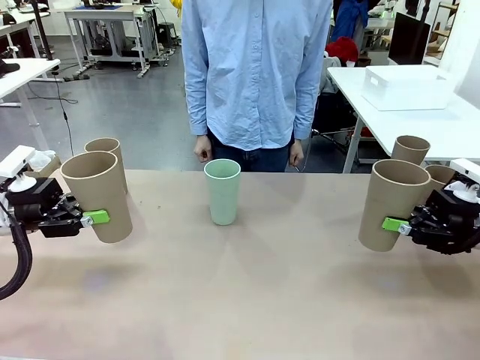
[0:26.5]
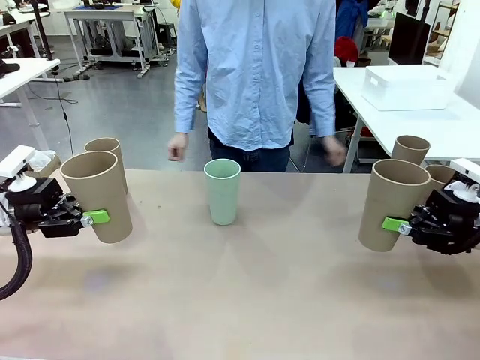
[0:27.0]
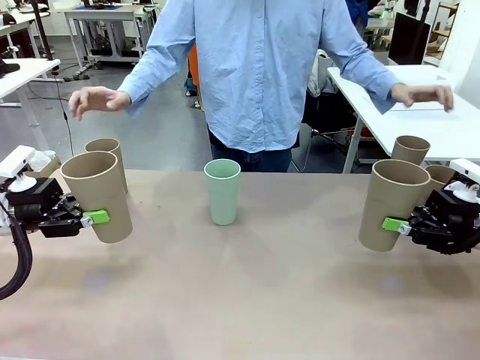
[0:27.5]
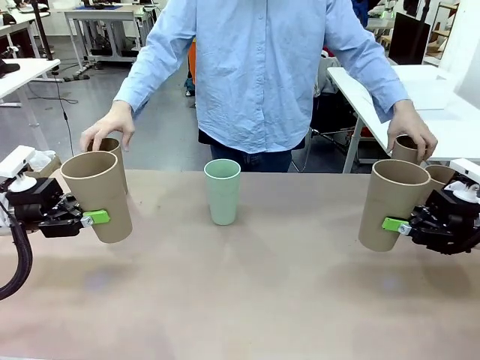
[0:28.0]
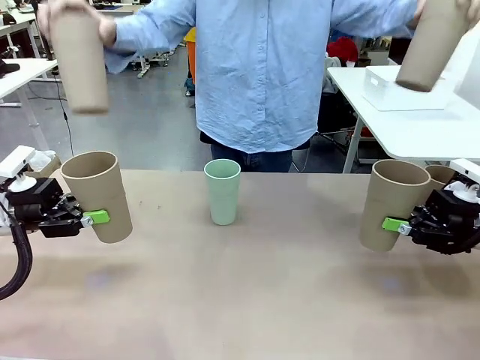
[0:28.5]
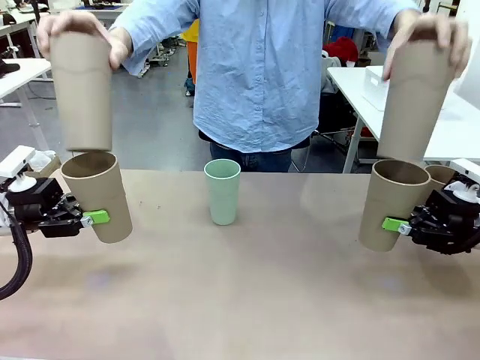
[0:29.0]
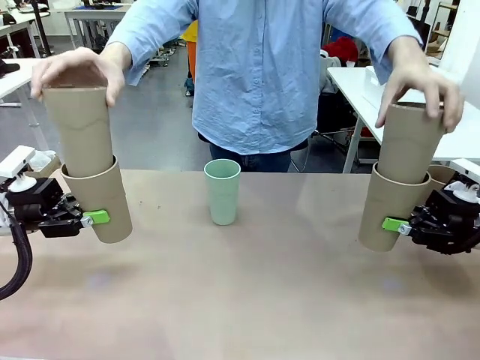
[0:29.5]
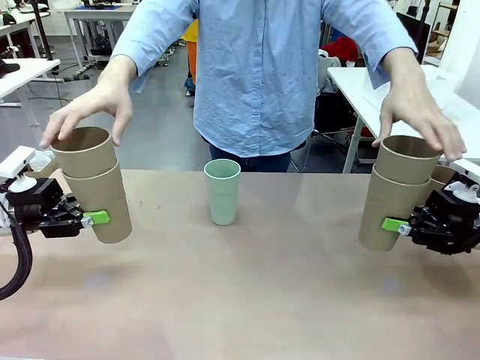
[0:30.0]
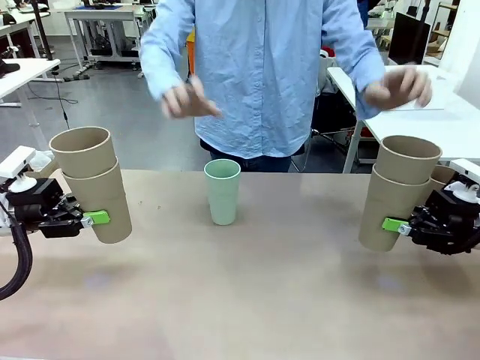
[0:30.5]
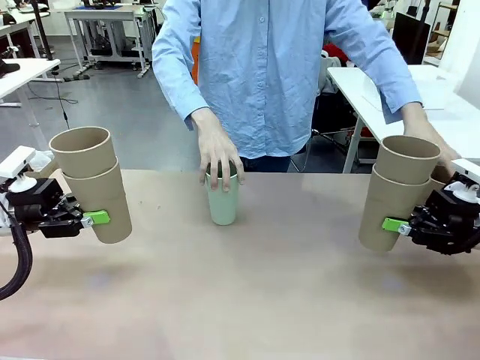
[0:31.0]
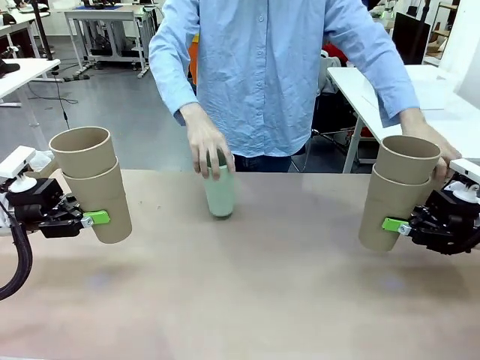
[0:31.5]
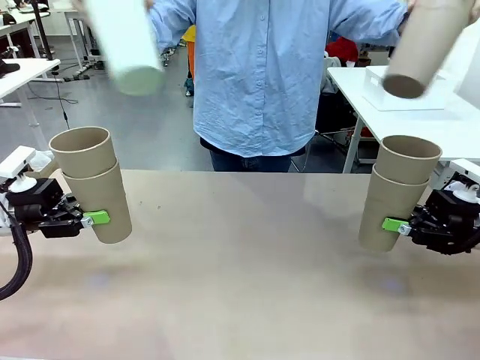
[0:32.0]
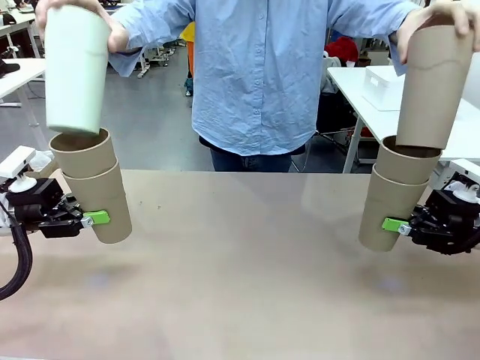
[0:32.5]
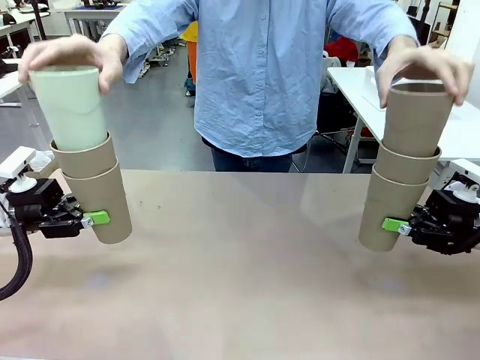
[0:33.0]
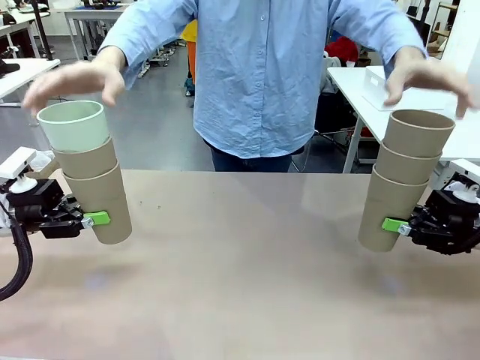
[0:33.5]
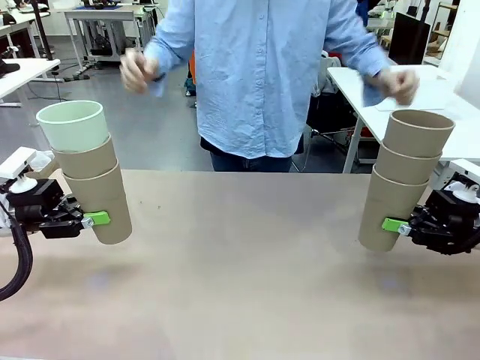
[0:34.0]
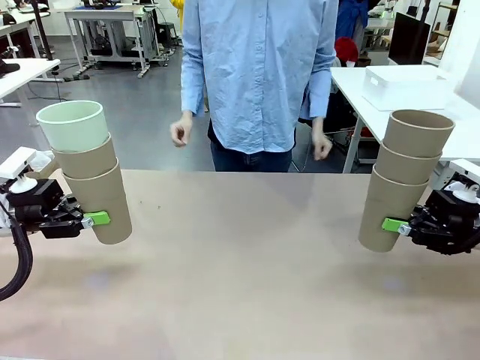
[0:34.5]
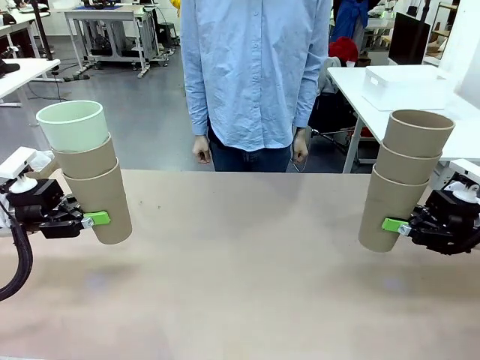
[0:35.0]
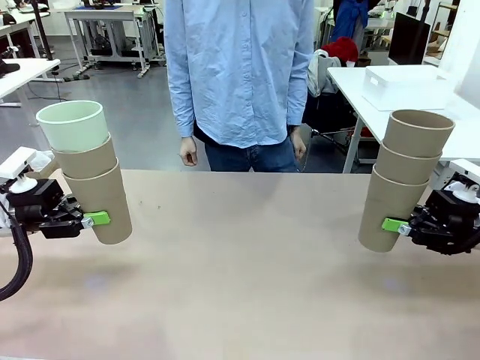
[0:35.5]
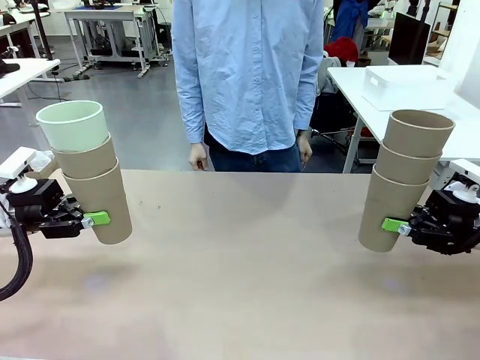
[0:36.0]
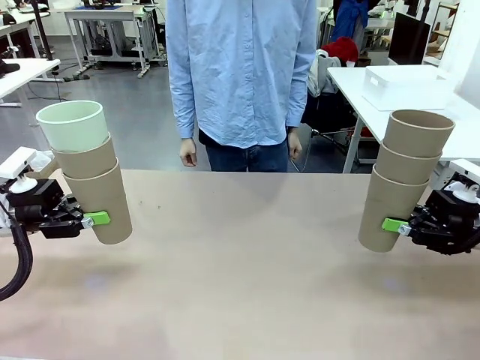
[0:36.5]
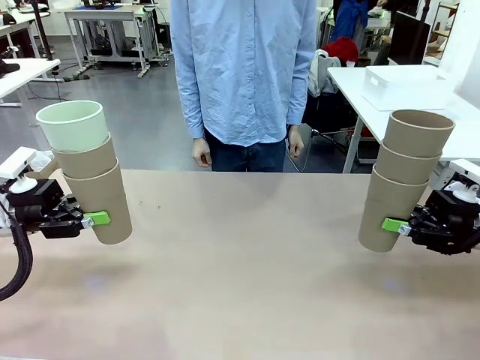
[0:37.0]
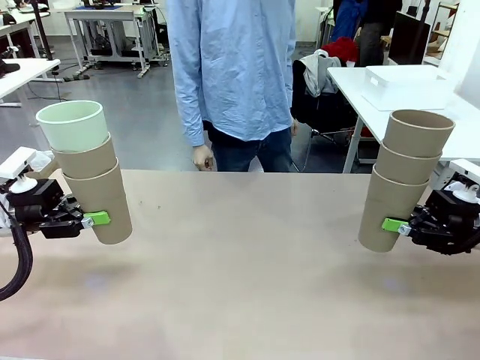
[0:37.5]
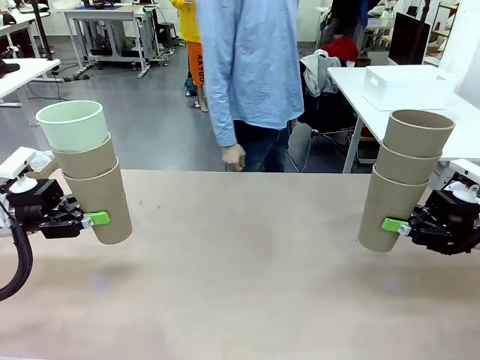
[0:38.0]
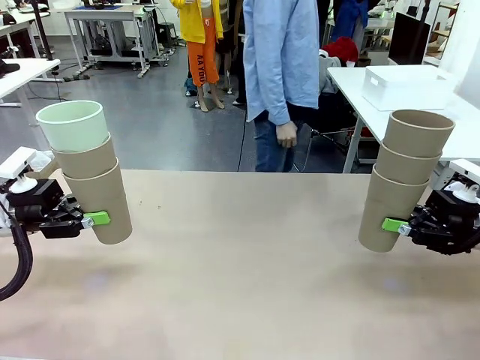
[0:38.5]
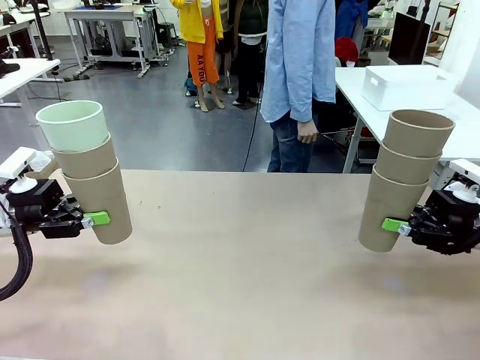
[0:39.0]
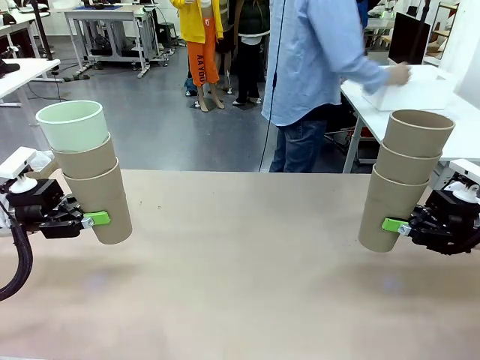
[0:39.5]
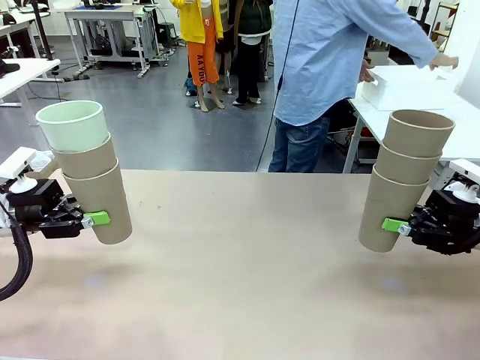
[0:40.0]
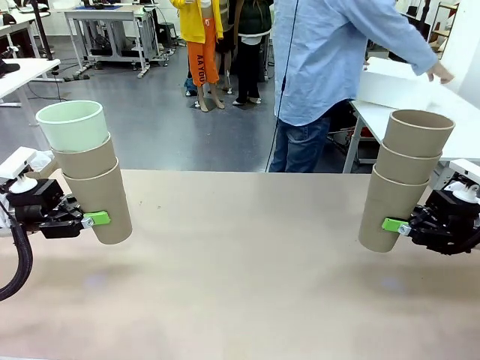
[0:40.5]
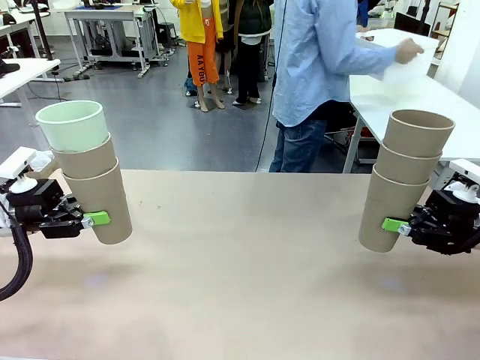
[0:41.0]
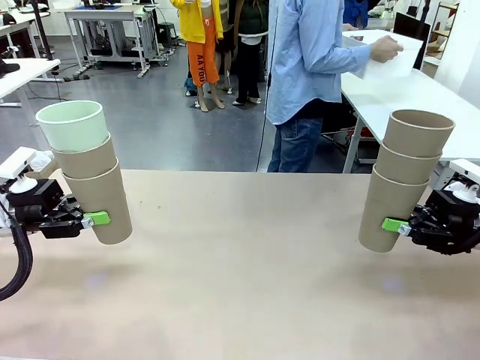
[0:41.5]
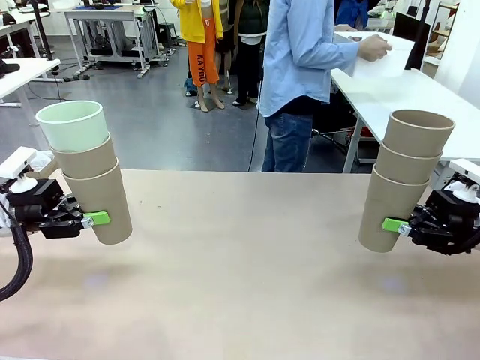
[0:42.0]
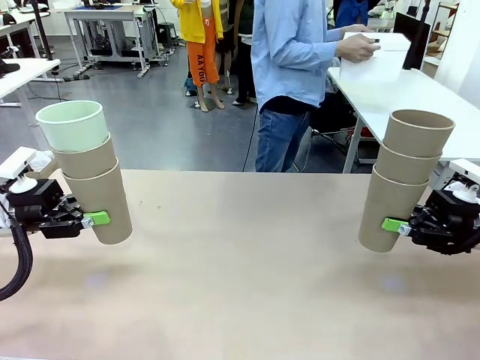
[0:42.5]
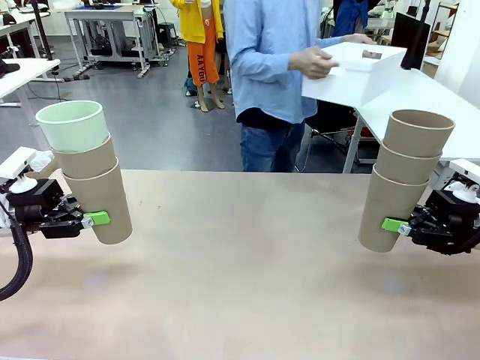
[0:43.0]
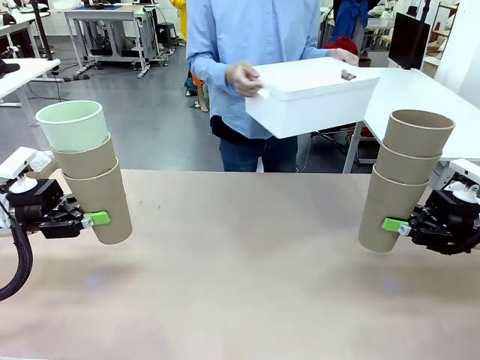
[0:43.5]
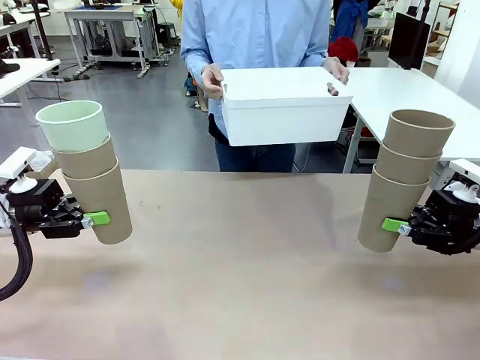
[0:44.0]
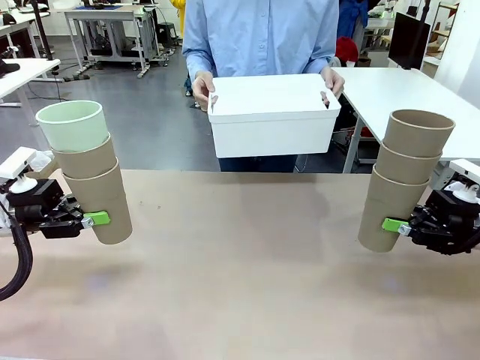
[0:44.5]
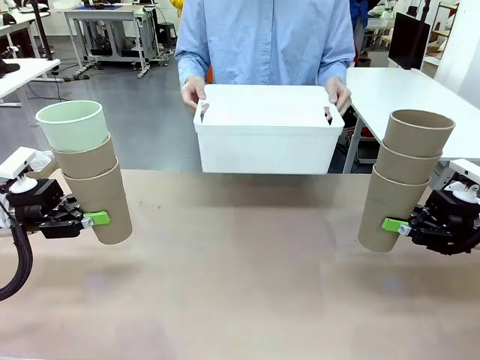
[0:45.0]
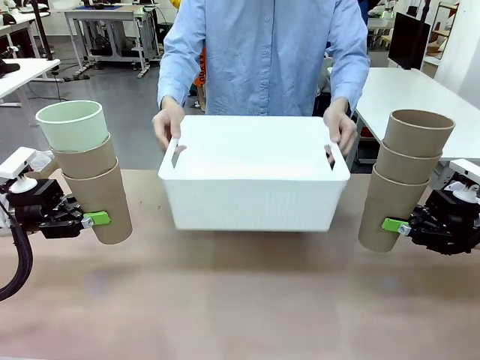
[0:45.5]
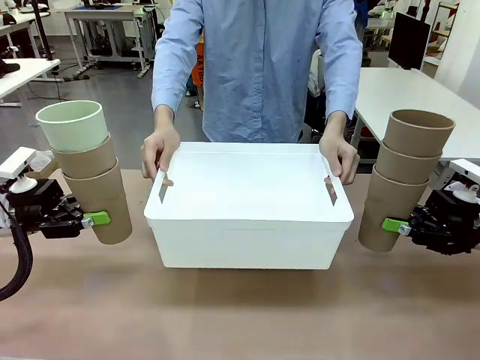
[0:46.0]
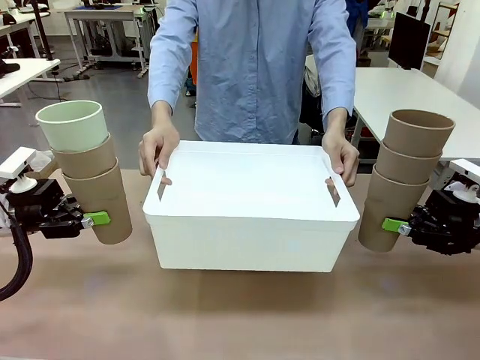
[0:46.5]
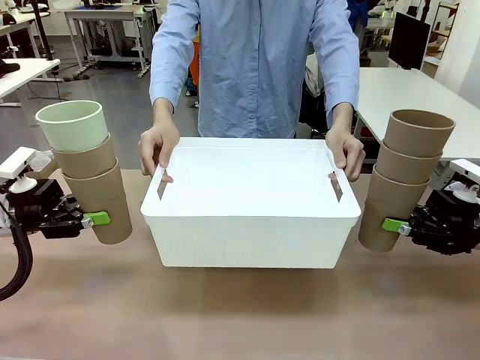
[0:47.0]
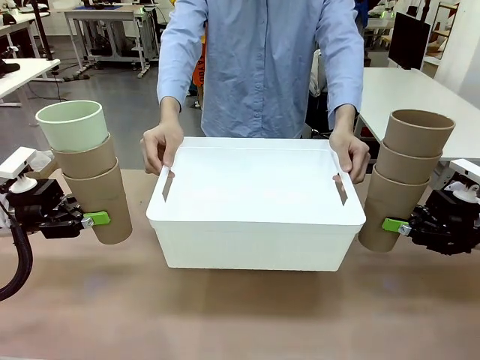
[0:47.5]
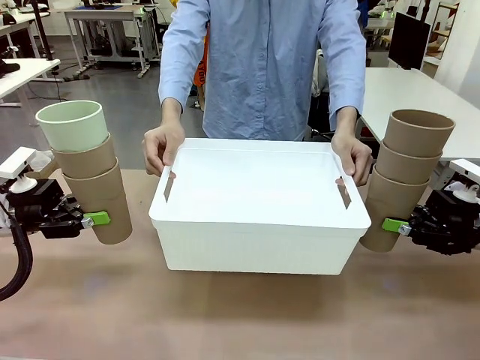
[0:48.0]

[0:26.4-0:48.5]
Task: Stack the cups and store them in the basket.
Robot: Place the stack of Reusable plastic cups into the Pantry Basket.
Person: Pick up the basket from the Human Table, bring it to the front of the robot, and present it.

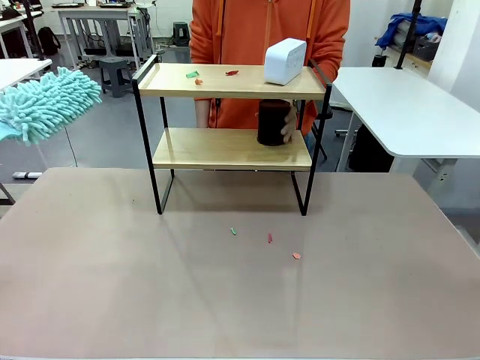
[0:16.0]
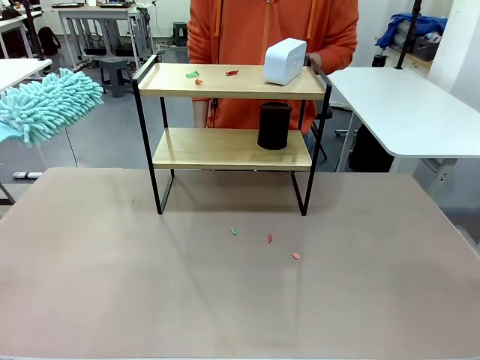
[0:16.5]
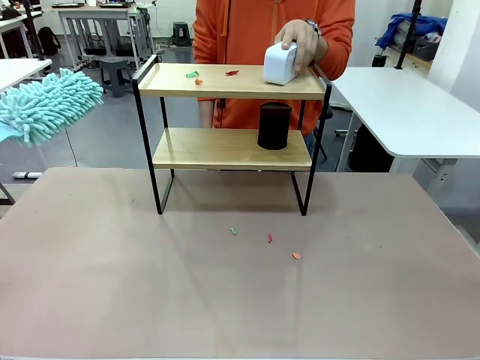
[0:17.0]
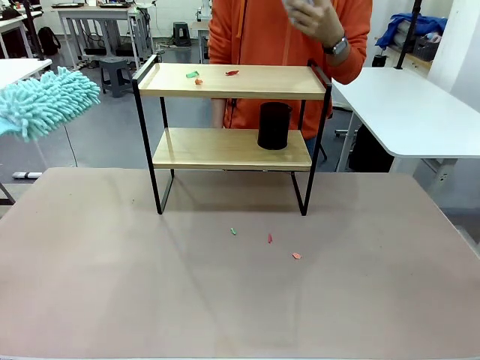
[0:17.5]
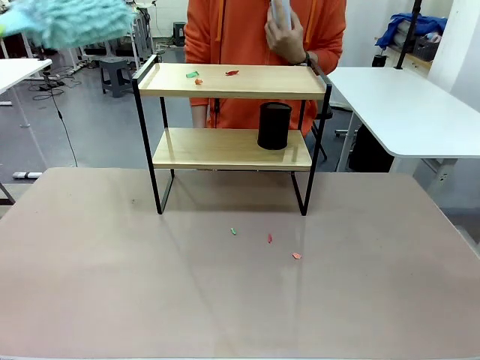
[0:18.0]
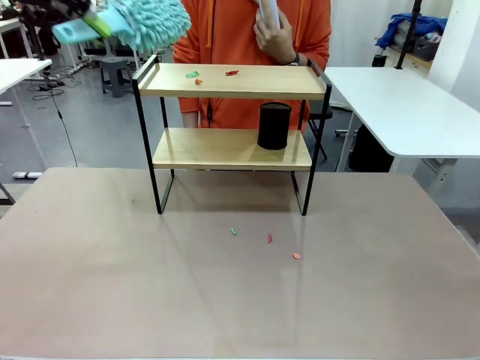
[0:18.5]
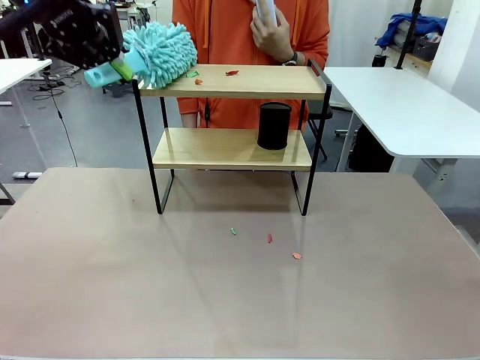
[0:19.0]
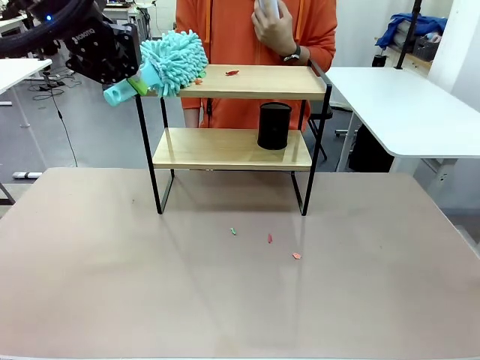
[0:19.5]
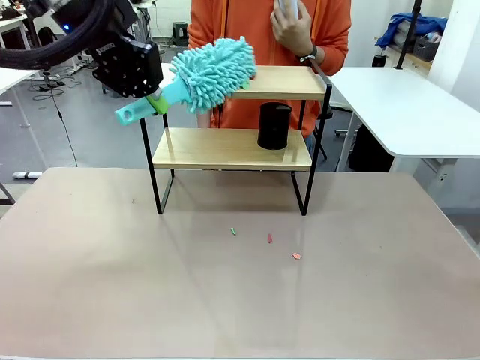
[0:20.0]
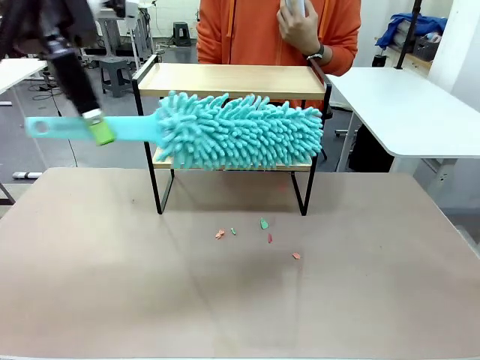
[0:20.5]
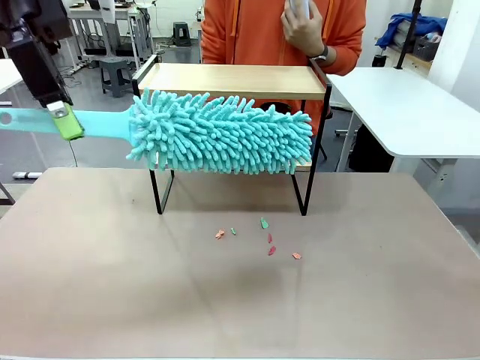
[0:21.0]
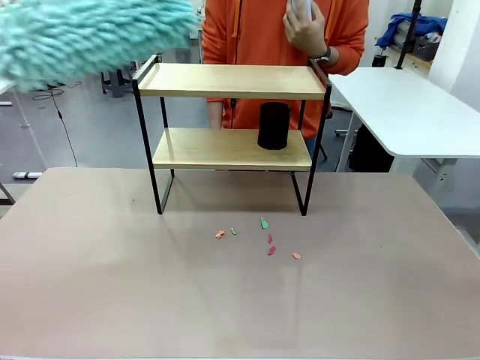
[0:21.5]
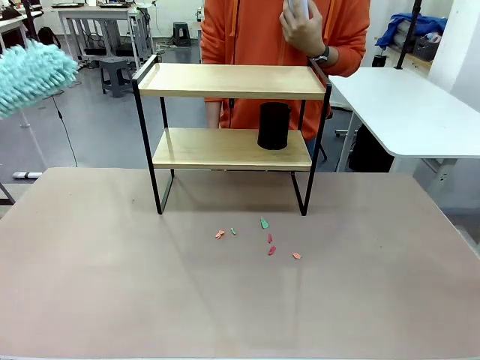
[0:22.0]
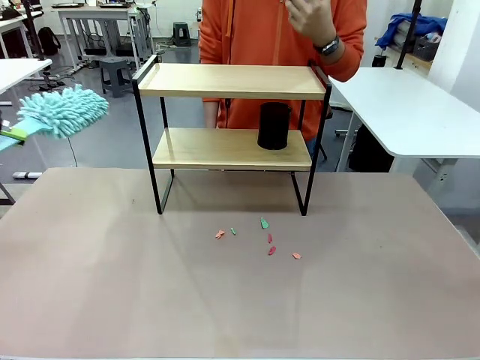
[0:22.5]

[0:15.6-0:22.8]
Task: Clean the shelf.
Robot: Clean the remaining tier of the Shelf with the Duster once objects are removed.
